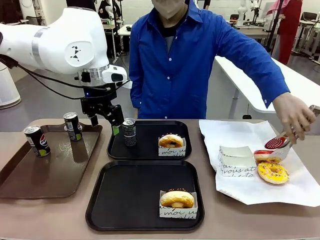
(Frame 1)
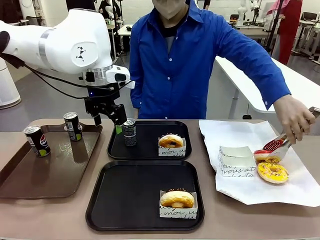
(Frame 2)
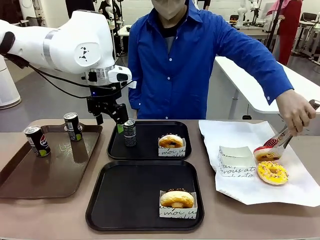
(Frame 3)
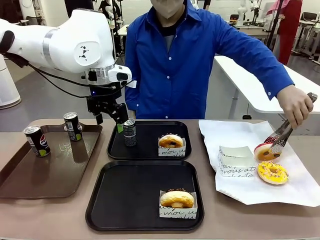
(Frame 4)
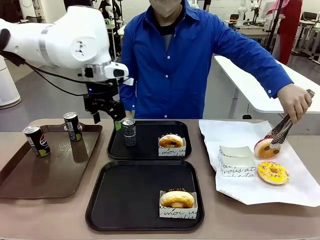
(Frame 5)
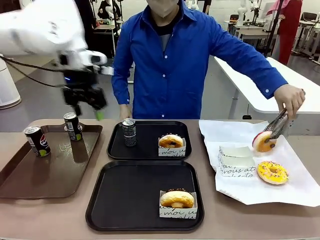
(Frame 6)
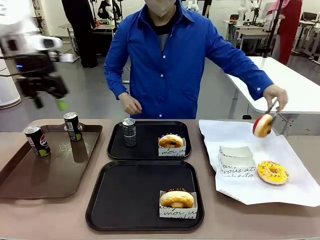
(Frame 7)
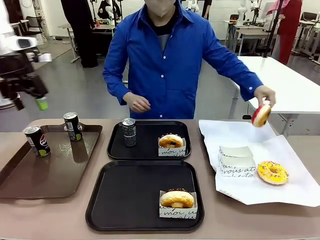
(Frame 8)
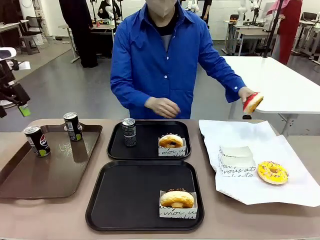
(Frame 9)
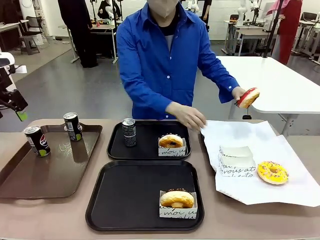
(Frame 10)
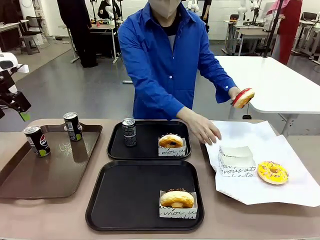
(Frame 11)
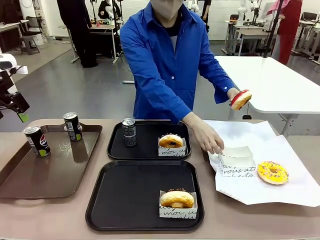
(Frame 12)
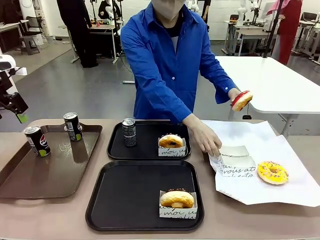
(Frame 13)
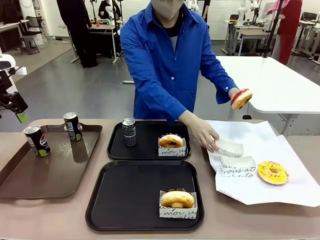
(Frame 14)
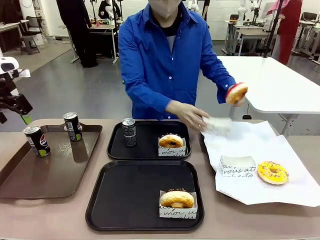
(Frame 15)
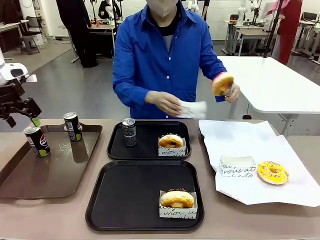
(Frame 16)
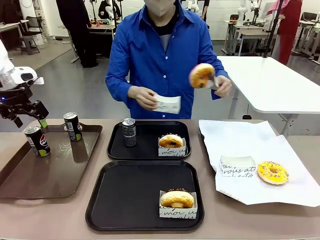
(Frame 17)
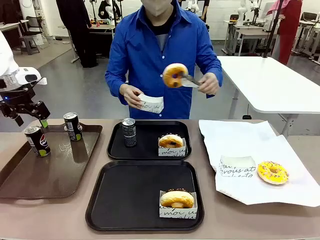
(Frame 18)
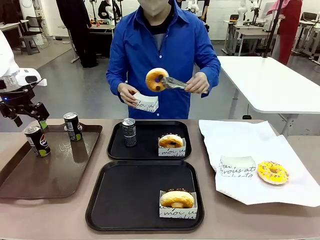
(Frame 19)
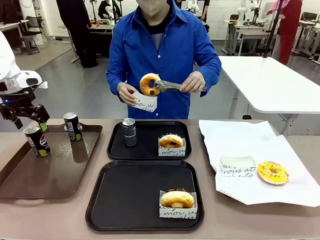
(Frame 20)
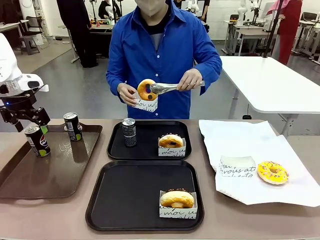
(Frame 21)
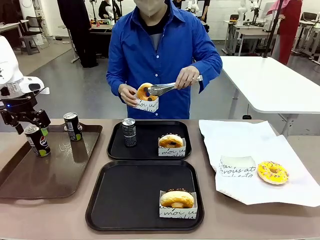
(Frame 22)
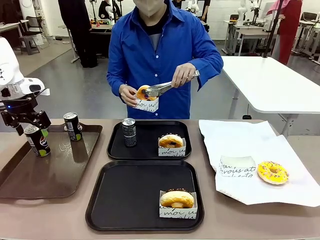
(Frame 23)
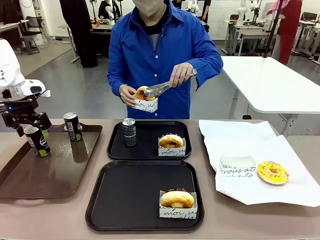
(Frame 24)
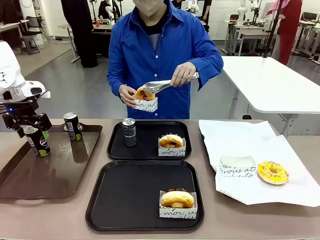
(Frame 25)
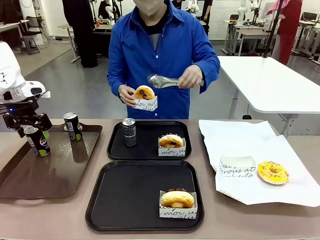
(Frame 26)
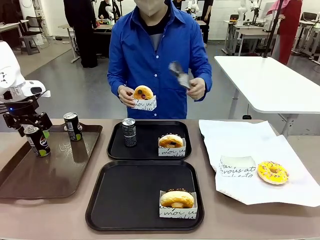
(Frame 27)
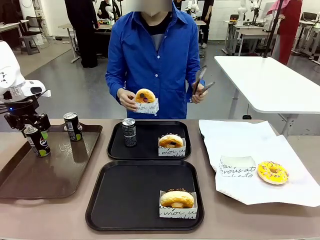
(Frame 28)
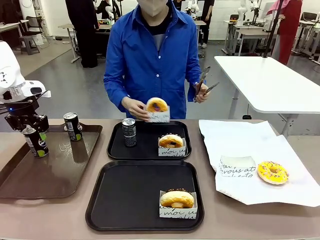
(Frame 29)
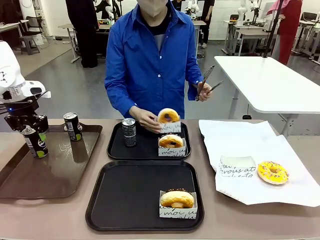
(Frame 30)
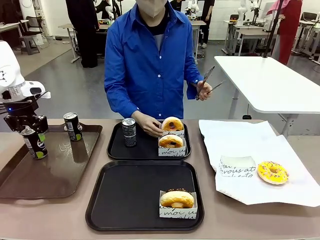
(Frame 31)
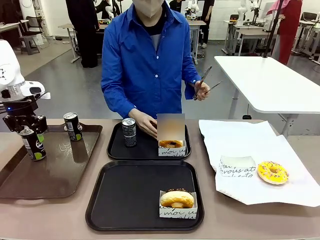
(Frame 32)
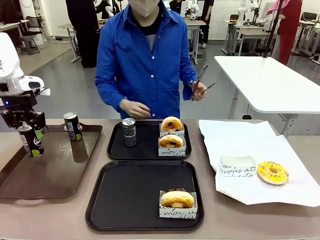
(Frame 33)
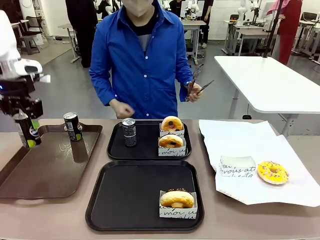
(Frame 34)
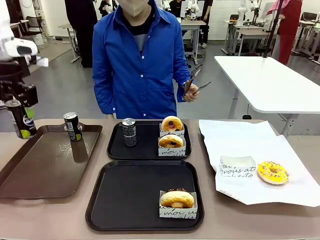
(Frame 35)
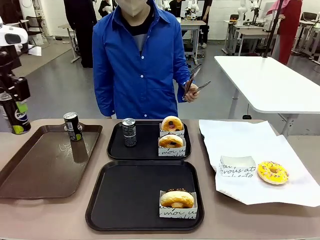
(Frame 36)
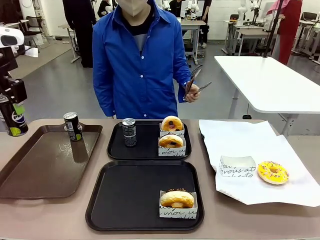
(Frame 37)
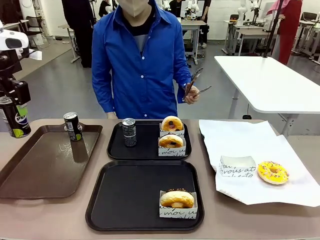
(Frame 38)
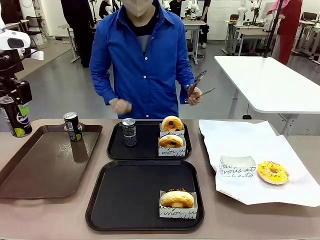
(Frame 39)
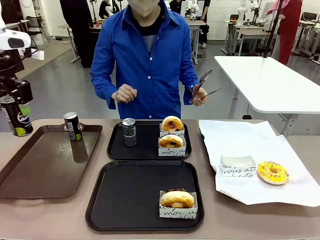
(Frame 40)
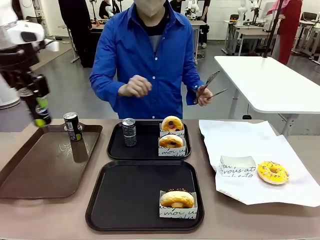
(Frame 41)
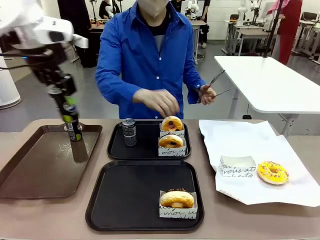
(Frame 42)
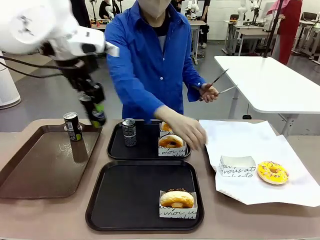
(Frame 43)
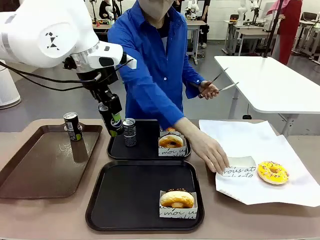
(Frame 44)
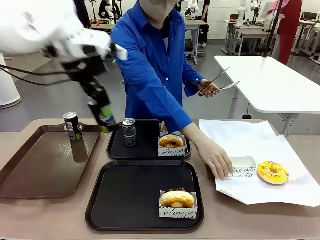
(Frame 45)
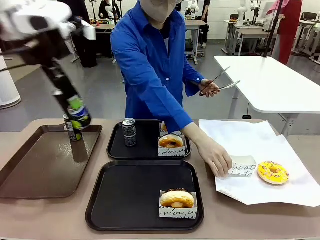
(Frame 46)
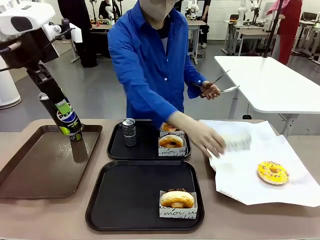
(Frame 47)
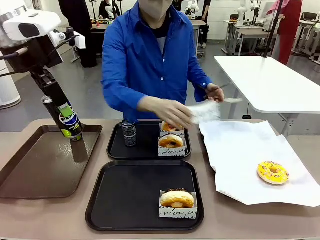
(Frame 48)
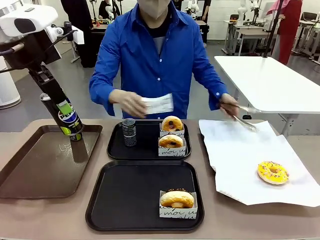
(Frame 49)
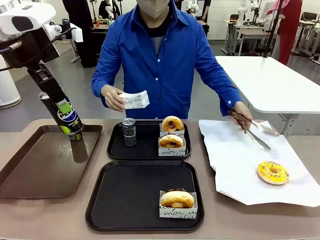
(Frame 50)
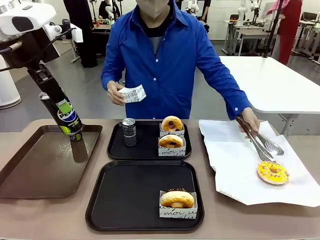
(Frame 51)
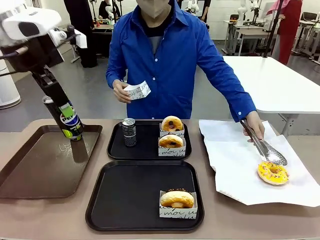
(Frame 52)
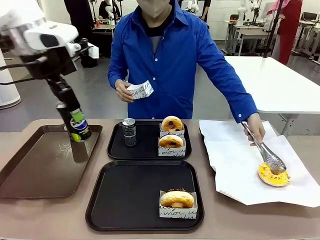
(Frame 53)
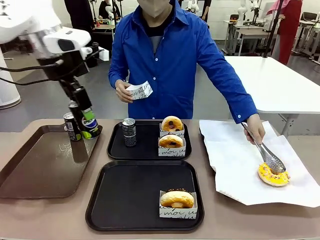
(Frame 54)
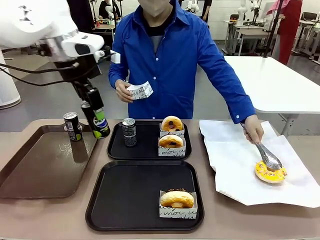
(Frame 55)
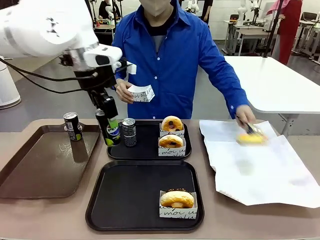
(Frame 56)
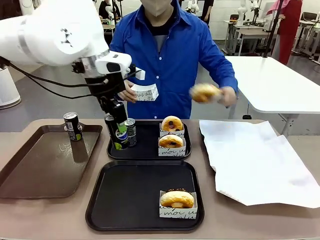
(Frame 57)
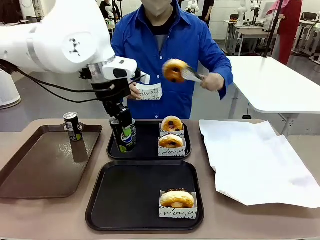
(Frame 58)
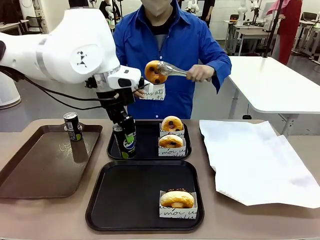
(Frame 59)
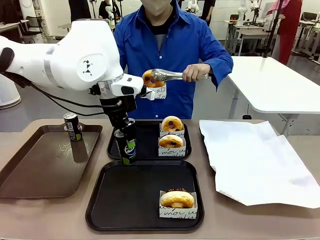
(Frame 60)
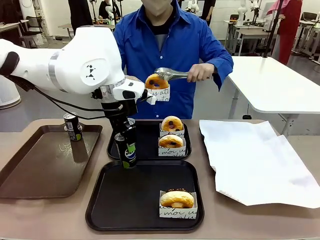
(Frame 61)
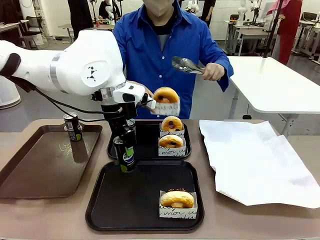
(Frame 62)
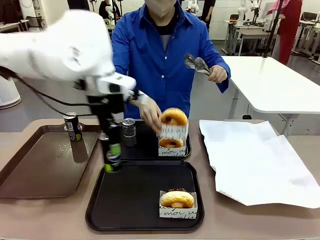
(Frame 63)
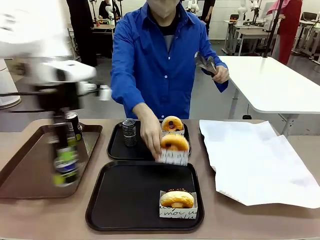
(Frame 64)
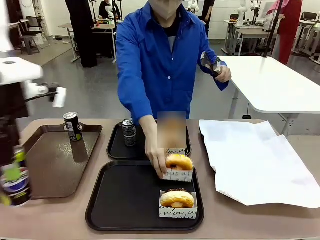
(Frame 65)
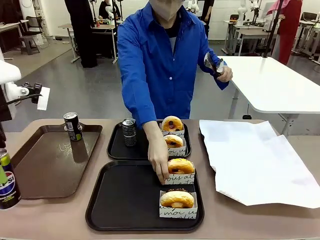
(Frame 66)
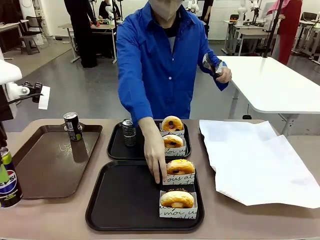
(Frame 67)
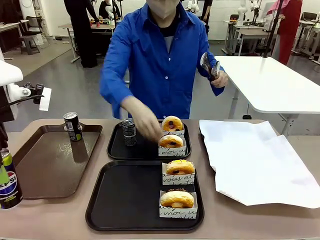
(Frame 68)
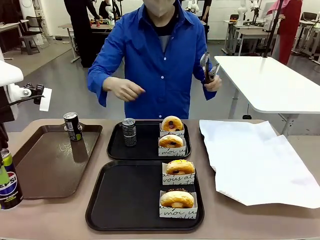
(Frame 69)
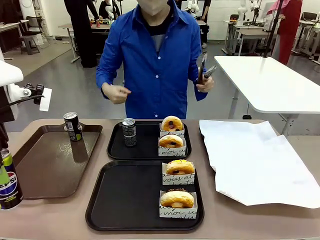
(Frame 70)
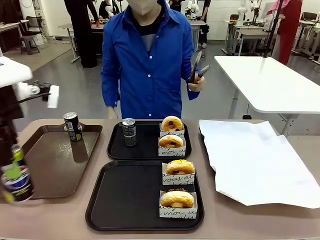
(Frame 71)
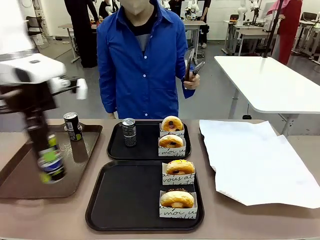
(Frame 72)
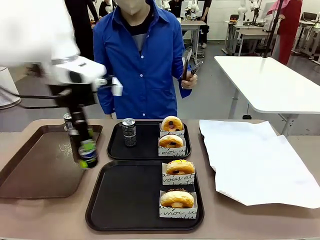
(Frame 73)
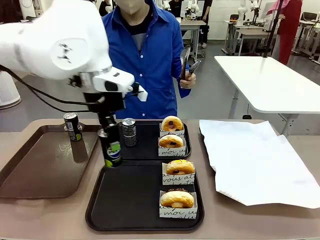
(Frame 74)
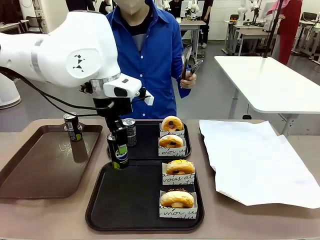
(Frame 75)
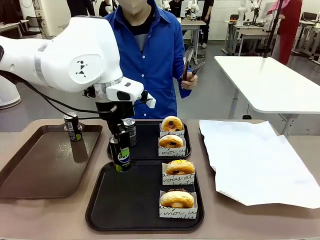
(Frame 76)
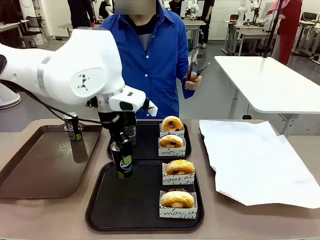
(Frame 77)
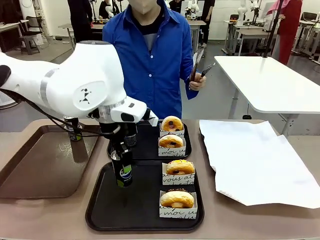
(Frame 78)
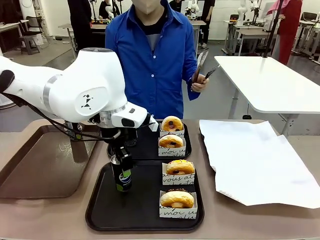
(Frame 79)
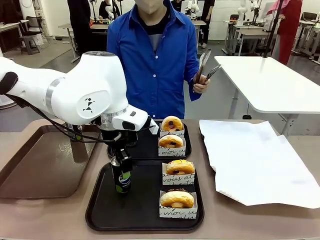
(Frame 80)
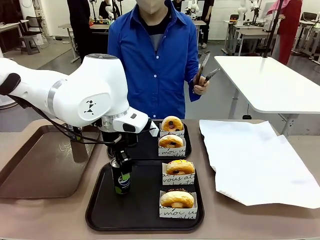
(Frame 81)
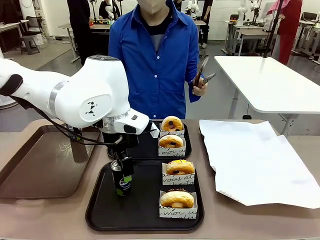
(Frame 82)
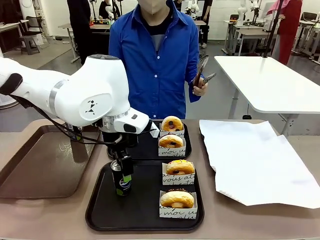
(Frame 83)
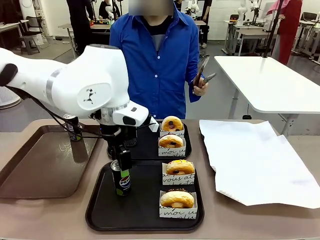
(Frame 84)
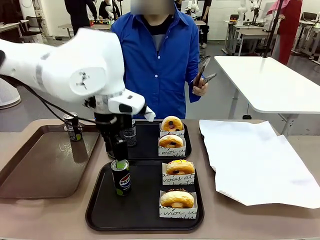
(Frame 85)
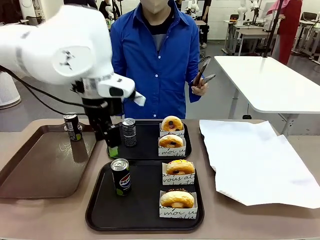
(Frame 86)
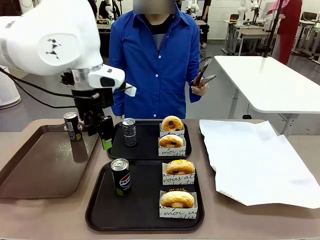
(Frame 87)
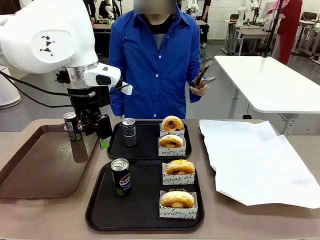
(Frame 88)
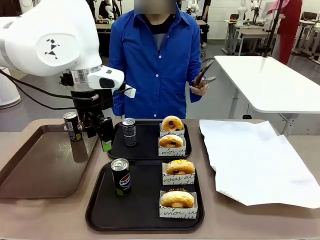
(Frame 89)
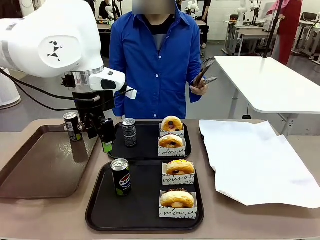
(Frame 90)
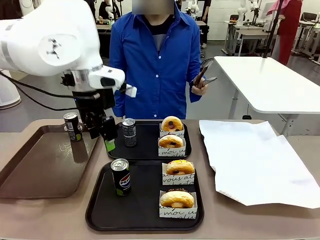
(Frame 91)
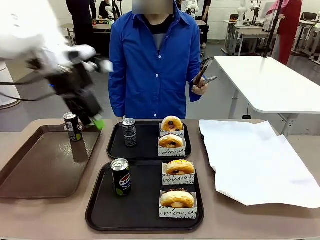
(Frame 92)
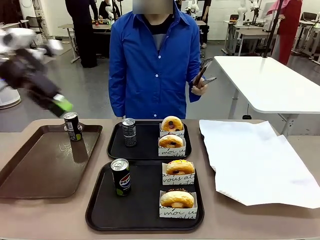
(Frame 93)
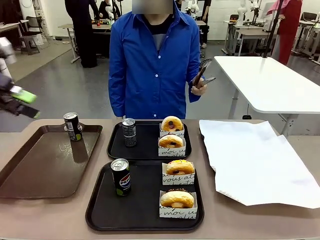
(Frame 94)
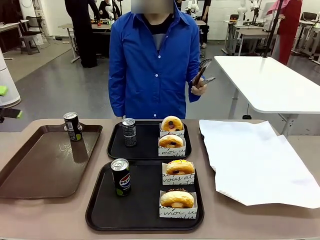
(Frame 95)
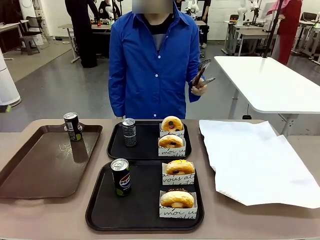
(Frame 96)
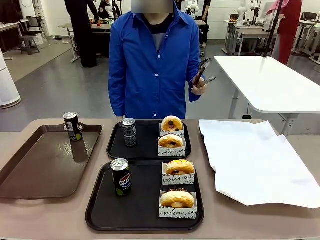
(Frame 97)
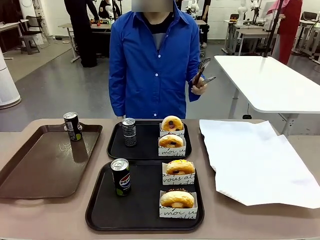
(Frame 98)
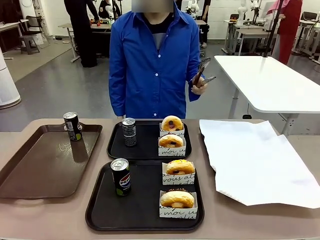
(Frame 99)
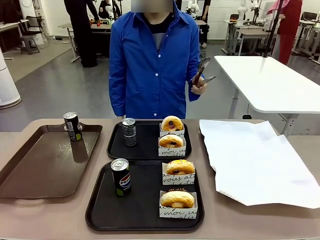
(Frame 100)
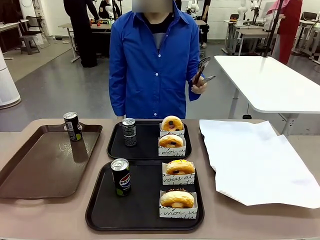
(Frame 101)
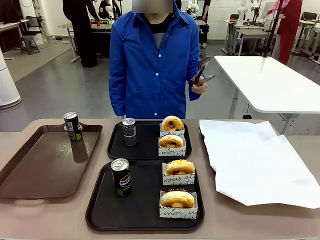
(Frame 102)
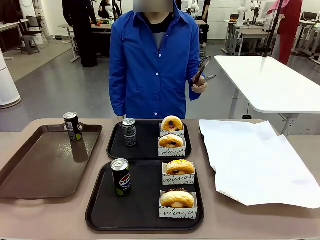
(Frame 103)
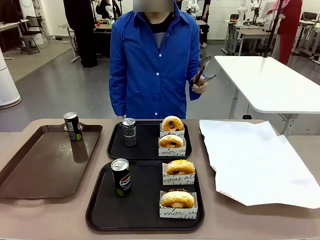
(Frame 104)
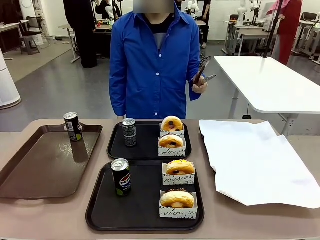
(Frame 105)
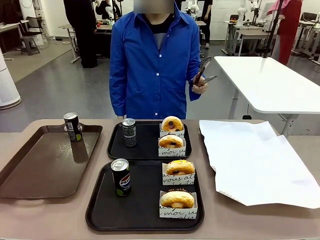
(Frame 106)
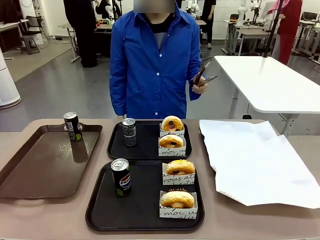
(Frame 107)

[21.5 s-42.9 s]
Task: Set up donuts and drinks on trays.
Robot: Pick up one Pepsi coke from the Handle tray and place it on the Flat Tray without a Pepsi coke.
